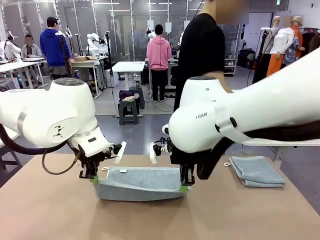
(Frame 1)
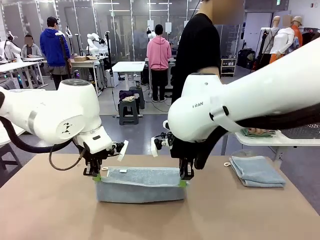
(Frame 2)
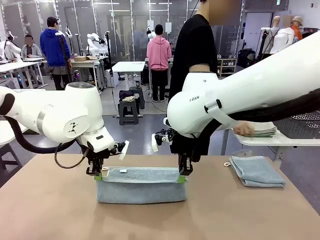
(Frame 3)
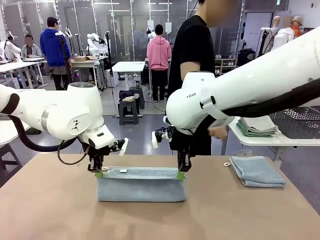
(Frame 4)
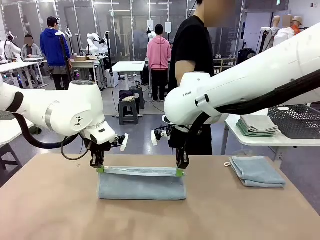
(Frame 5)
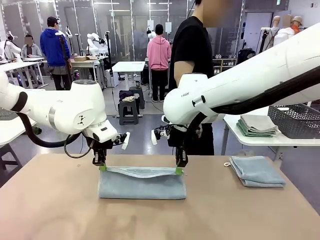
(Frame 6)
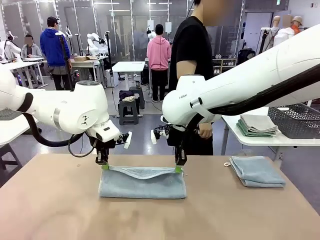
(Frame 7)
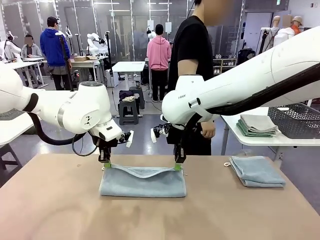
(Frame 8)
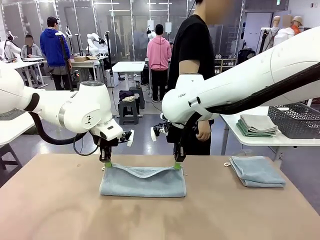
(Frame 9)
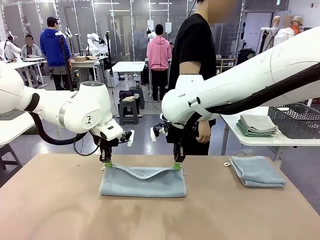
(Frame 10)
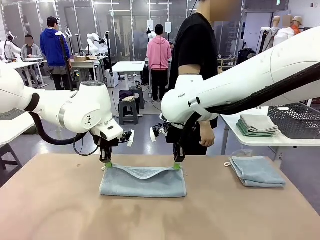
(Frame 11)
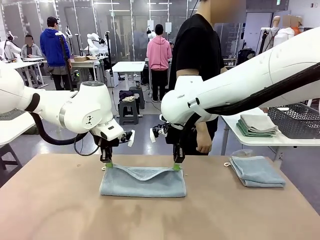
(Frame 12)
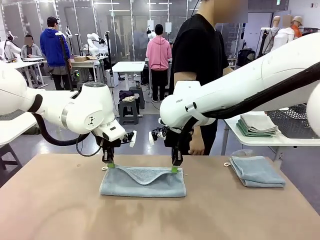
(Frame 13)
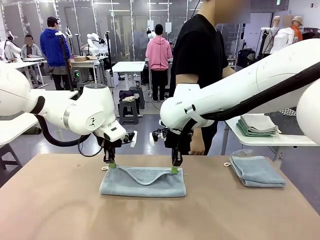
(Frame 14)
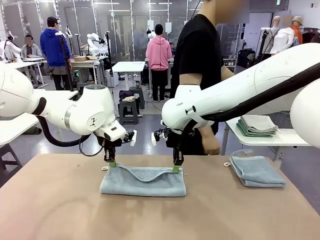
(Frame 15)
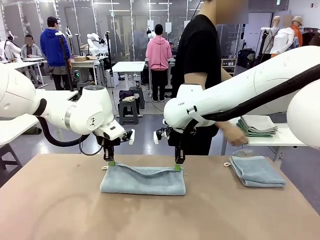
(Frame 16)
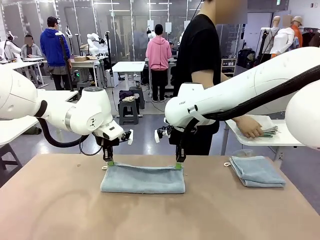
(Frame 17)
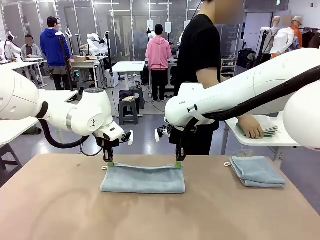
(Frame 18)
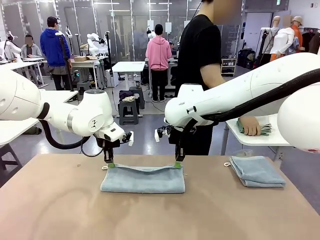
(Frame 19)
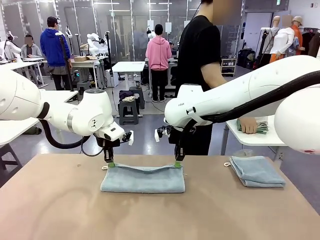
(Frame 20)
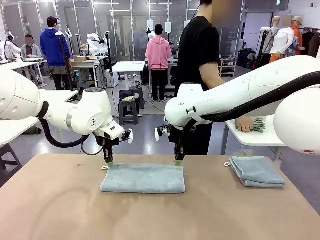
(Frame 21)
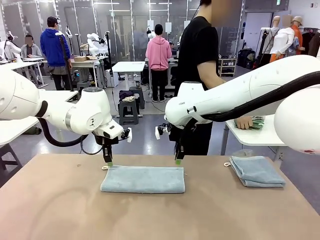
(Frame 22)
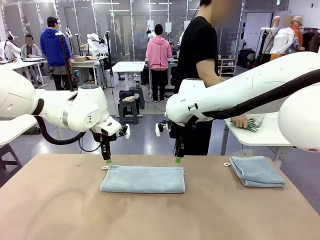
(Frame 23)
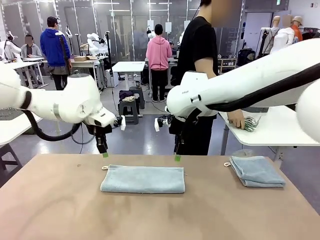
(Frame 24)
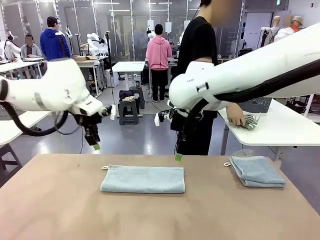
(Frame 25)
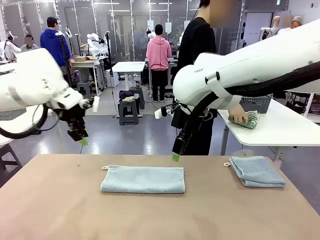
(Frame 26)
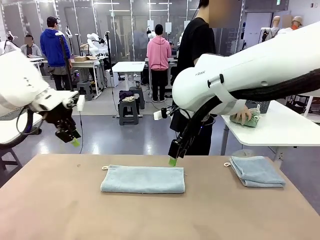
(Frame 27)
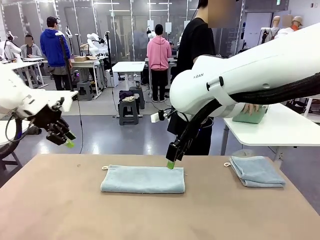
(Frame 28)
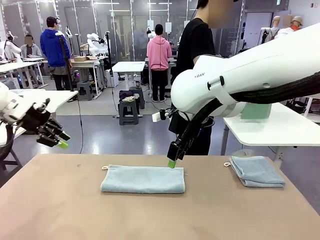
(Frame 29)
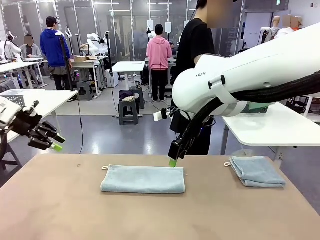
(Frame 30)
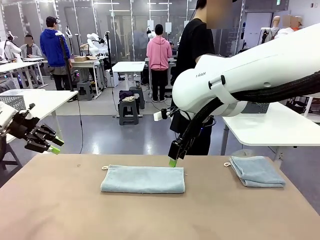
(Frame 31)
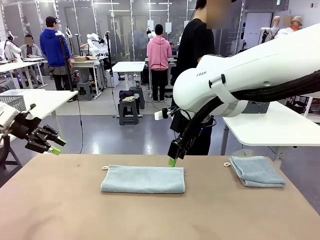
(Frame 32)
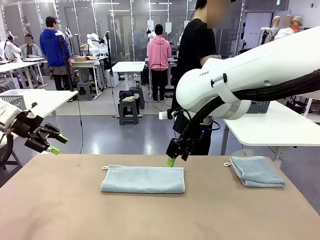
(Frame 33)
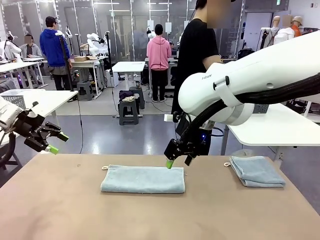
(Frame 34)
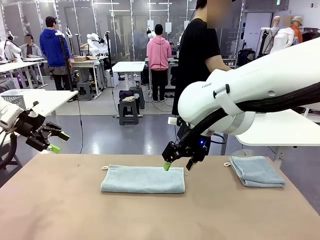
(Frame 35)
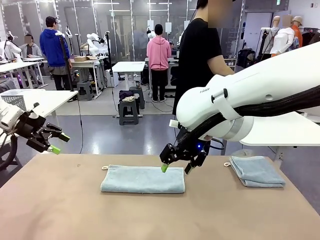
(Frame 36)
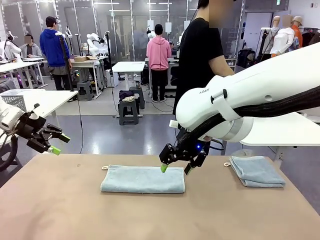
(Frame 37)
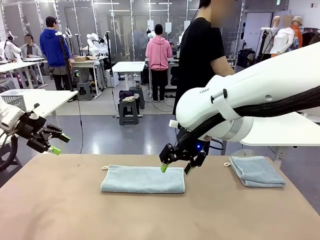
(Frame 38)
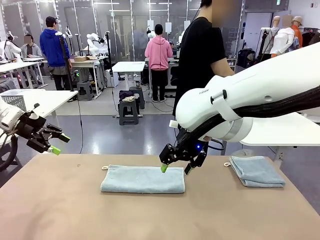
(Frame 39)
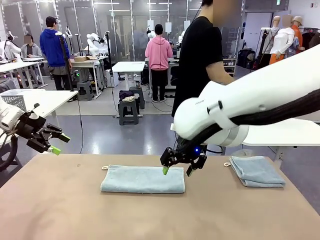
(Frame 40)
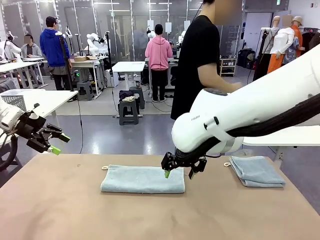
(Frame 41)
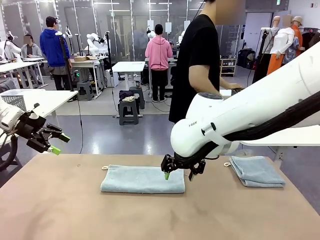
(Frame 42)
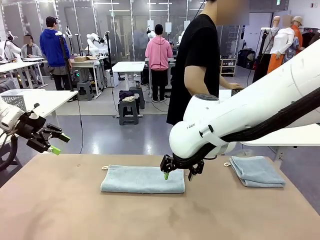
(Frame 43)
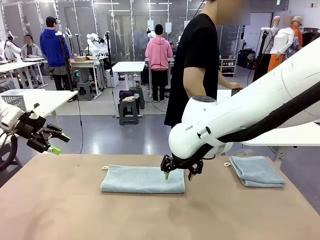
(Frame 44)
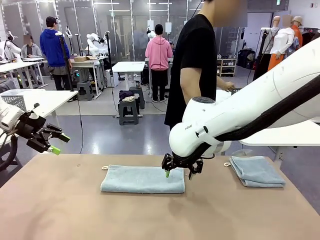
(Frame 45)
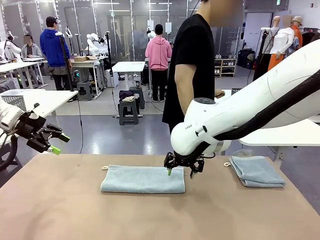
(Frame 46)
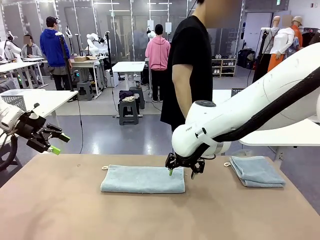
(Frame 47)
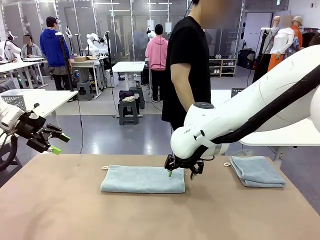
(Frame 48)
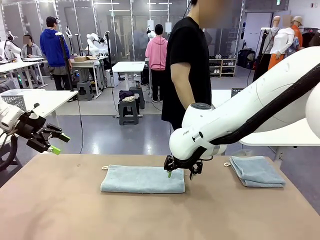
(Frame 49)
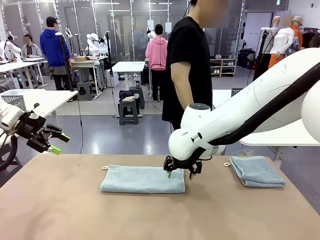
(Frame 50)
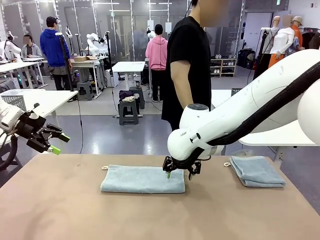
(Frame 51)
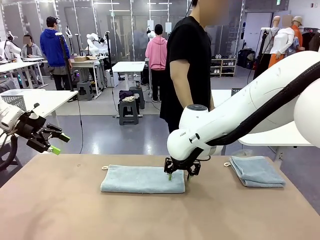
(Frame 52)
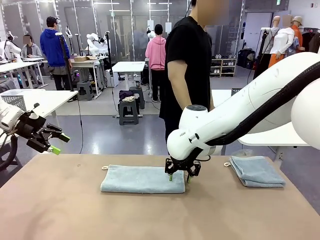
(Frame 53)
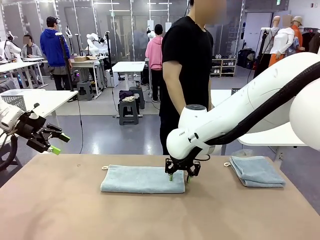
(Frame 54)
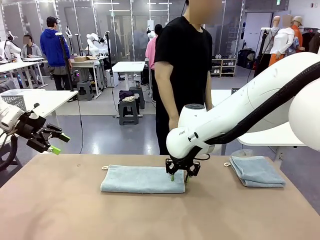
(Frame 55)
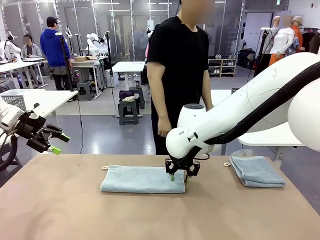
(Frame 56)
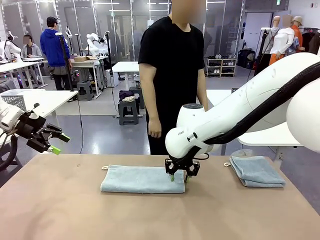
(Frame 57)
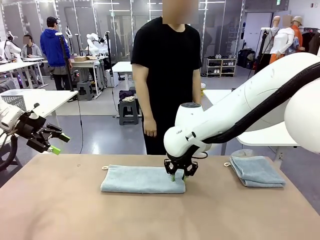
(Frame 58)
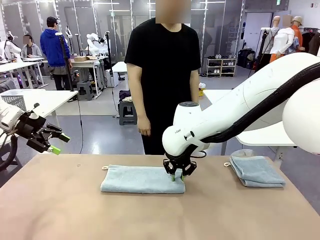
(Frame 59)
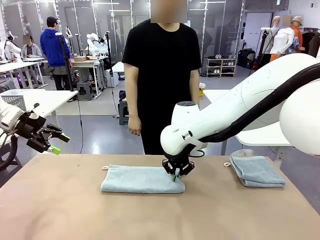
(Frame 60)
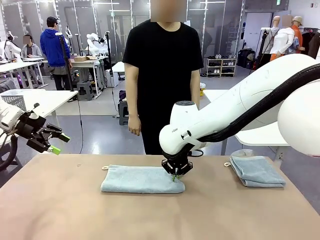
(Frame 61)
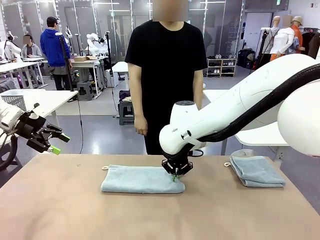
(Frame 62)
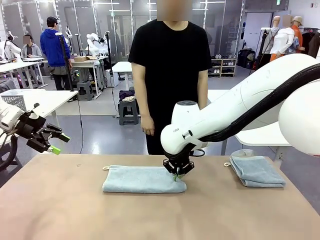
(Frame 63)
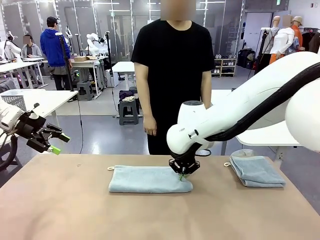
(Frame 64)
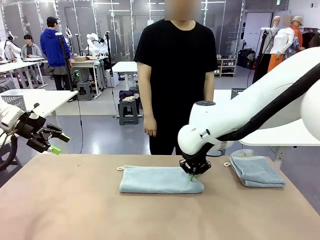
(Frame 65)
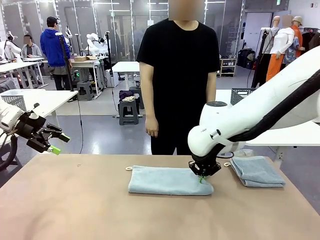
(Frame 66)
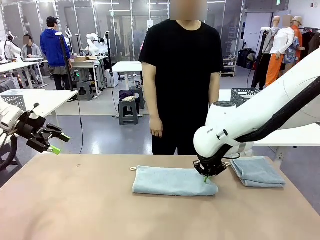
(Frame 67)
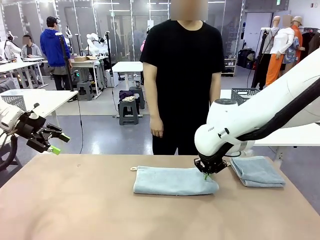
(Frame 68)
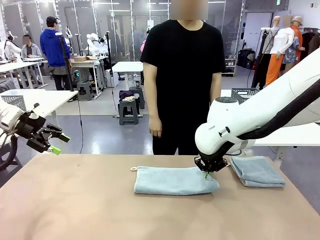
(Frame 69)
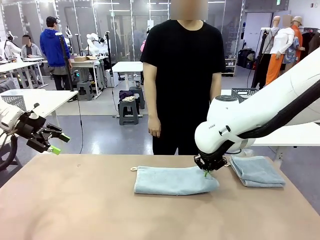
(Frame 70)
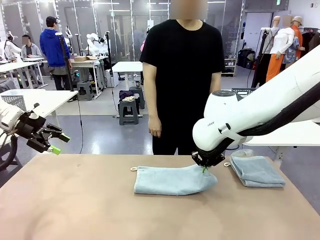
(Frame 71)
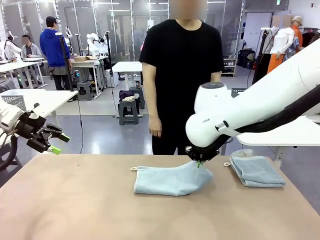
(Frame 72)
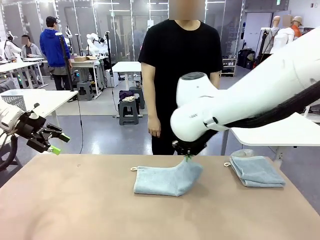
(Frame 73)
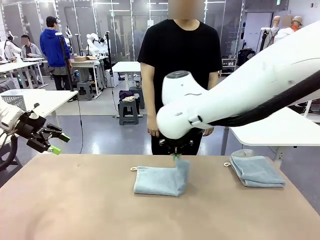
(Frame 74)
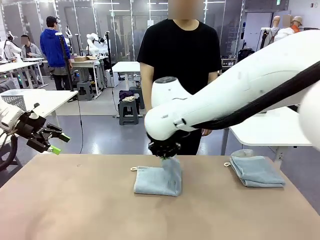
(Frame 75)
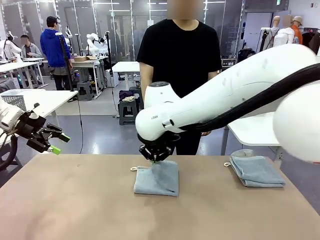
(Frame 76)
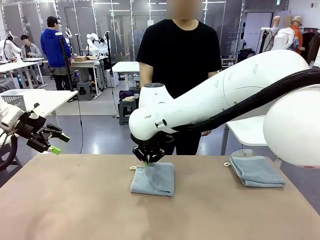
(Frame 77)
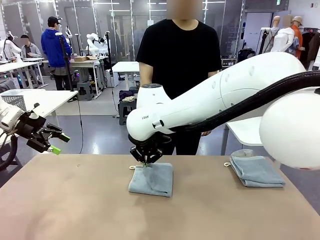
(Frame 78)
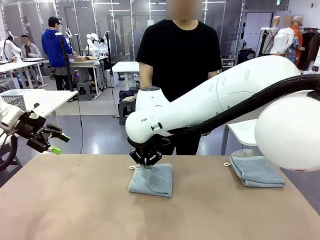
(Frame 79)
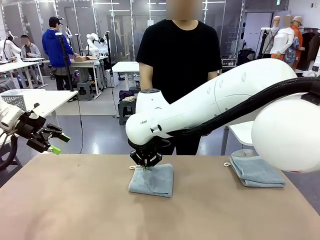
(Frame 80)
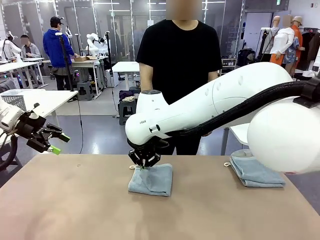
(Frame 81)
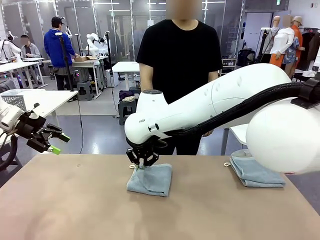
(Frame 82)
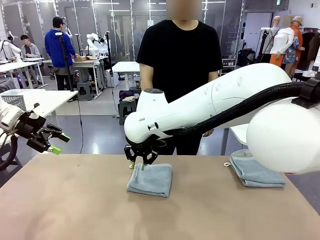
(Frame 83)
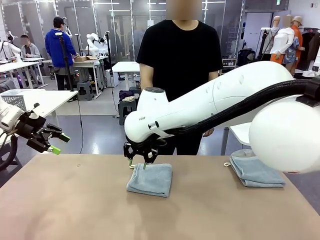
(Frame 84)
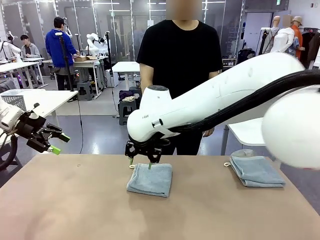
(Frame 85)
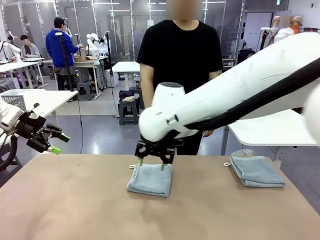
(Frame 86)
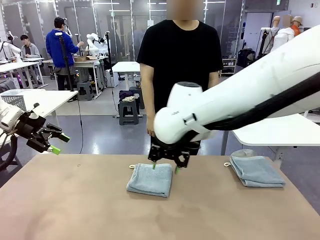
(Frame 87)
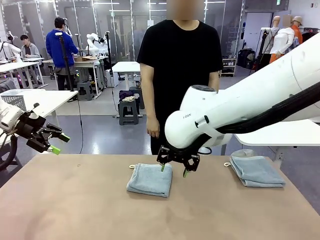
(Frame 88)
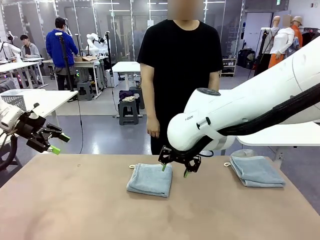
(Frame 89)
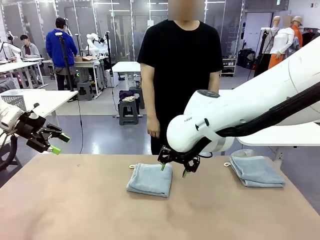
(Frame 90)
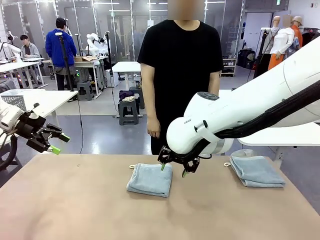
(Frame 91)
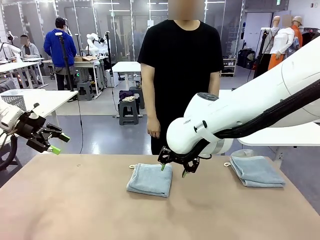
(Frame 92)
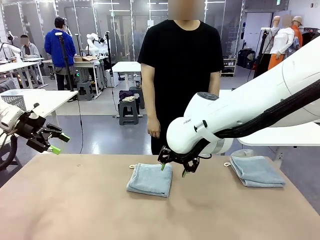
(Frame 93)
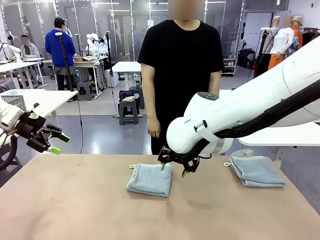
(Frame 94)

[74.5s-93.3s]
Task: Fold the towels and place them in the basket.
Robot: When a person lays out a Towel with hook on the table, fold it in half twice.
Person: Pick up the stack of towels from the right side of the human table, place it into the basket, and put the basket at the center of the table.
